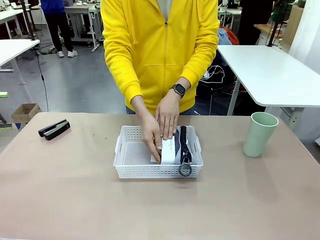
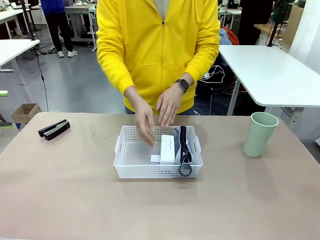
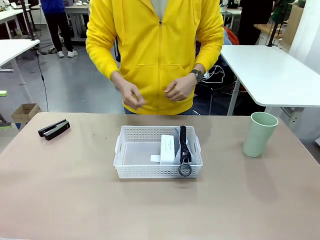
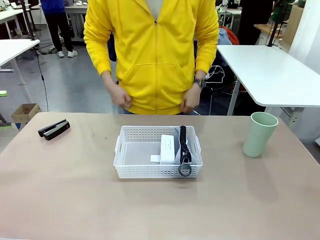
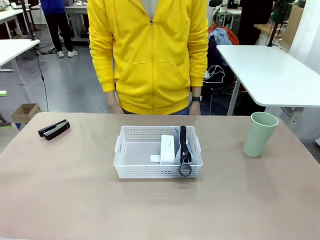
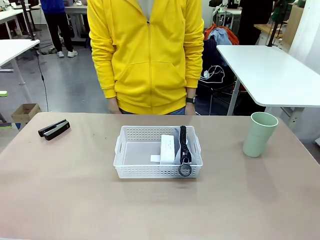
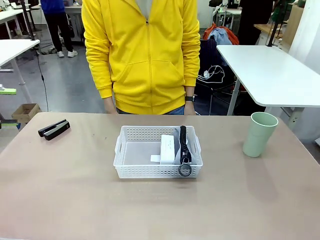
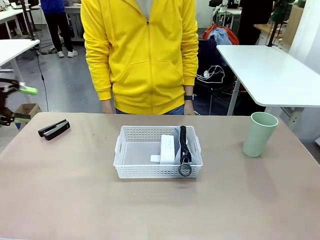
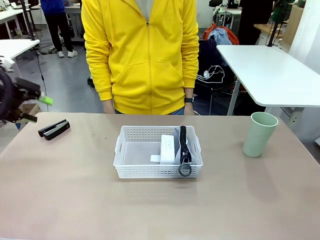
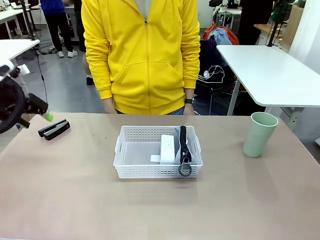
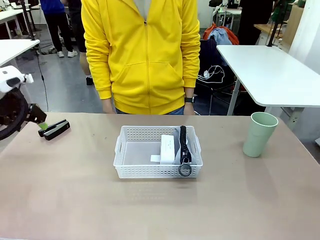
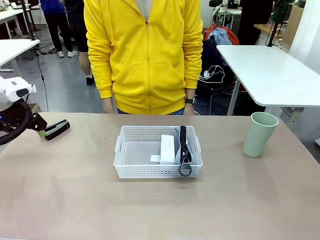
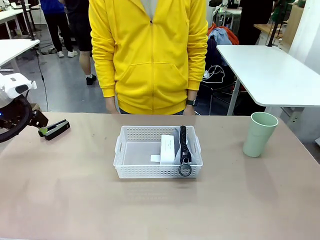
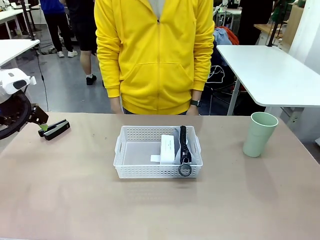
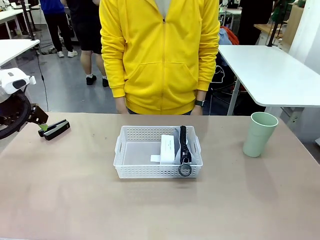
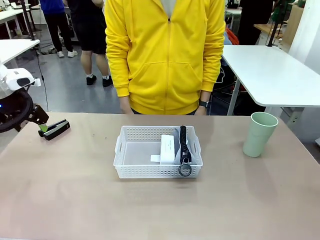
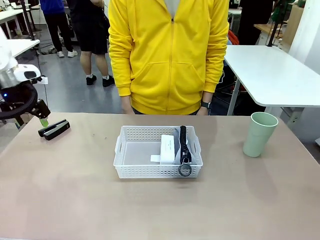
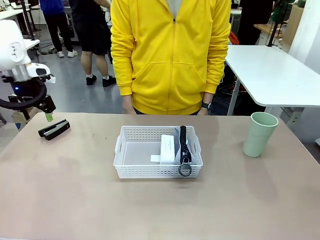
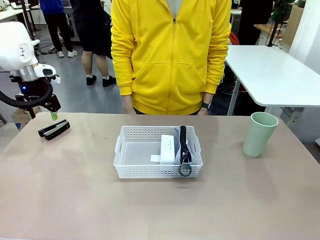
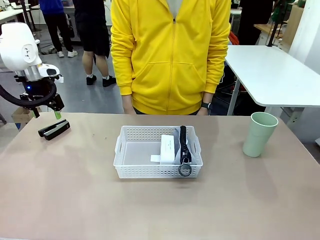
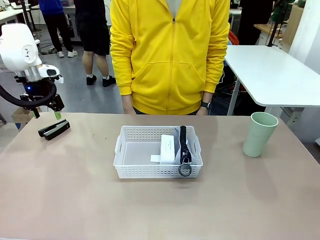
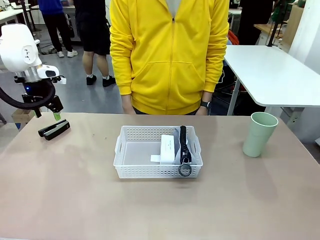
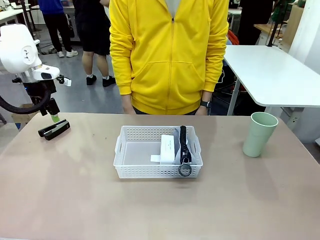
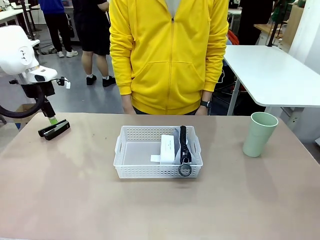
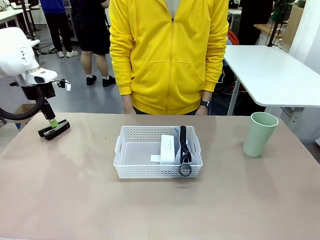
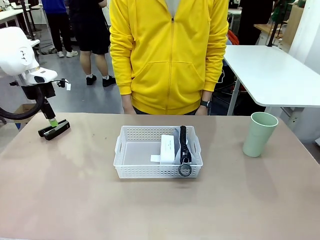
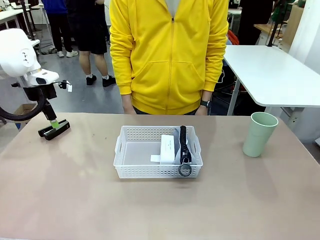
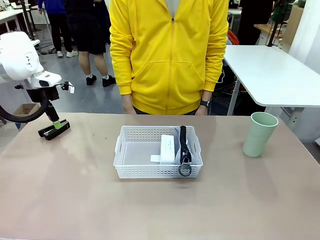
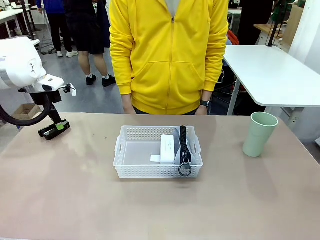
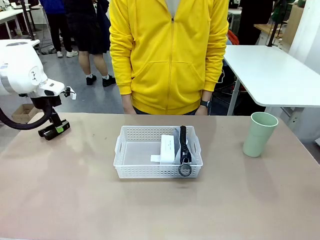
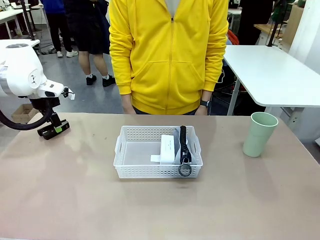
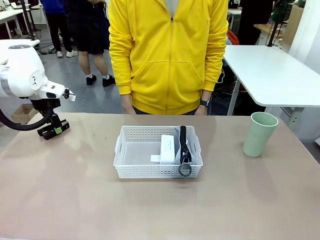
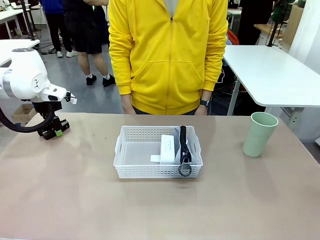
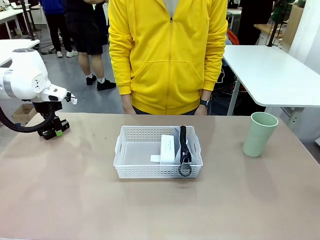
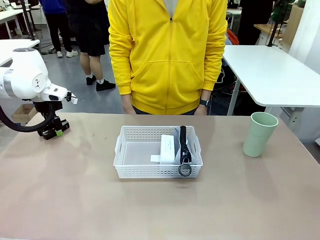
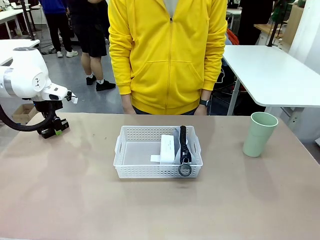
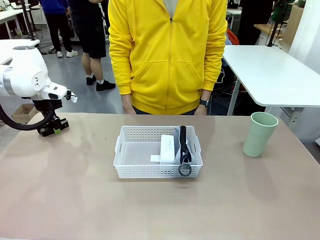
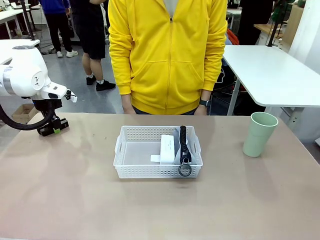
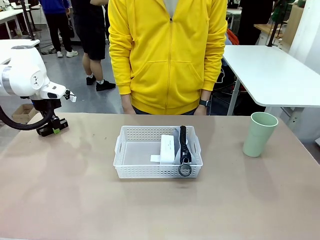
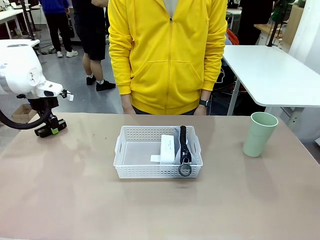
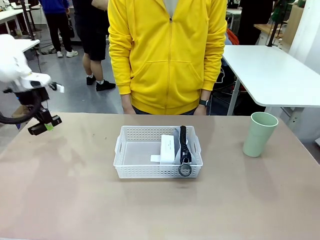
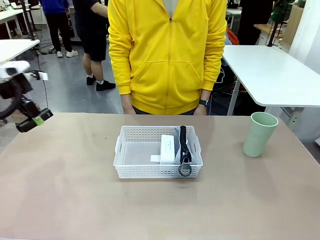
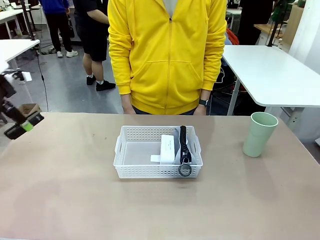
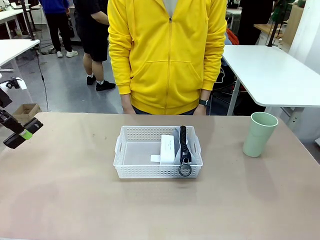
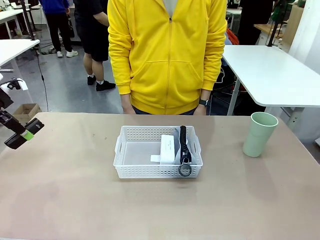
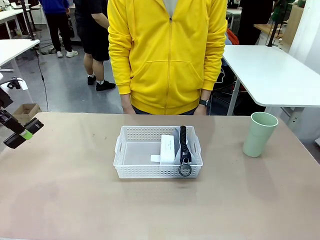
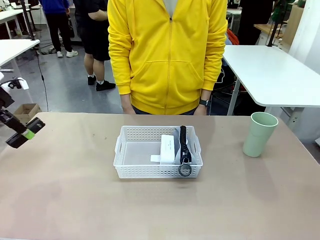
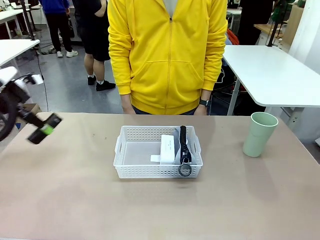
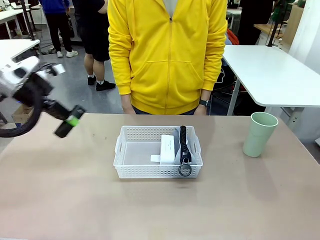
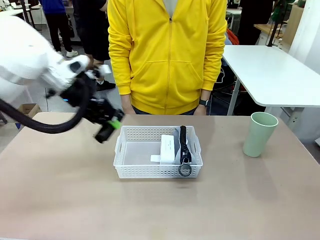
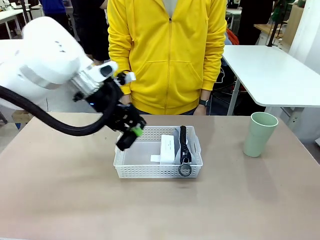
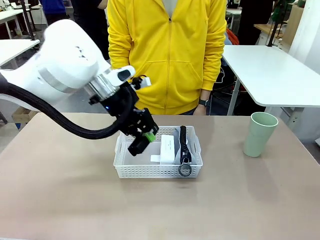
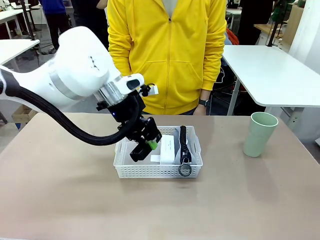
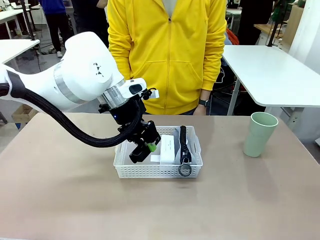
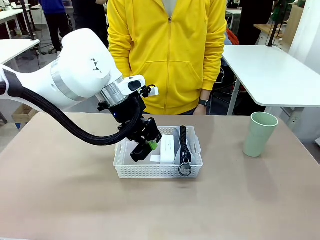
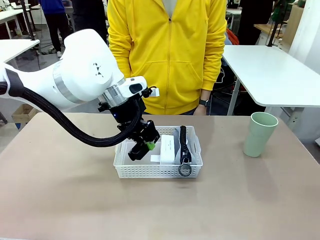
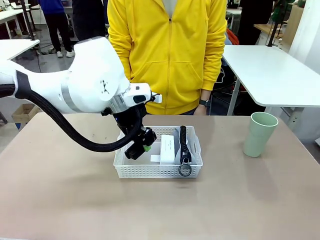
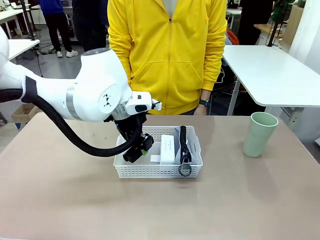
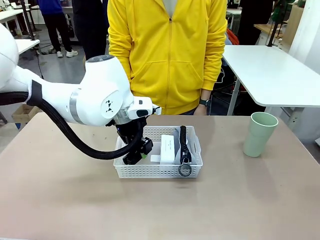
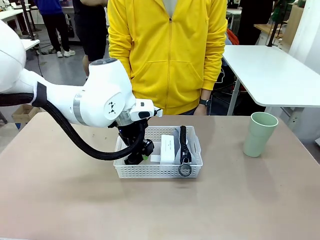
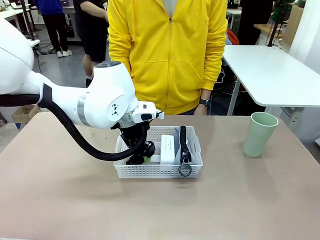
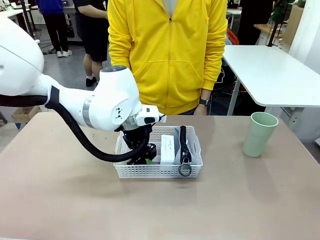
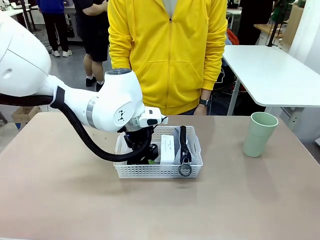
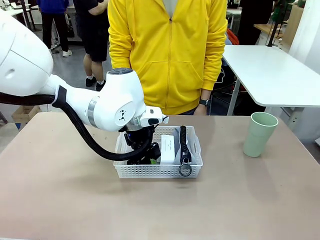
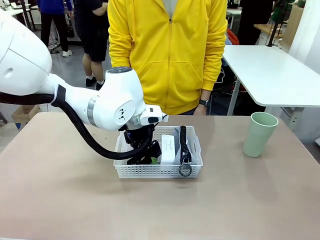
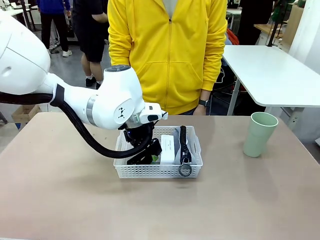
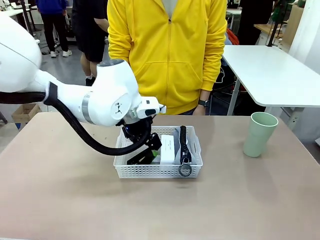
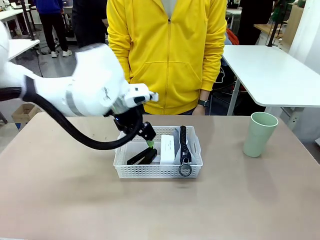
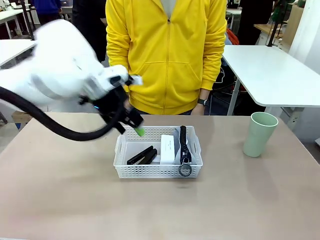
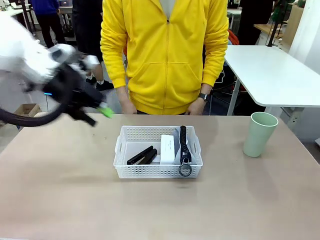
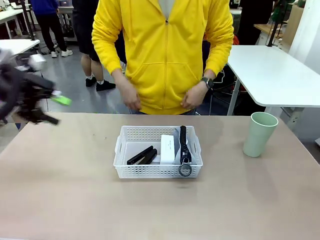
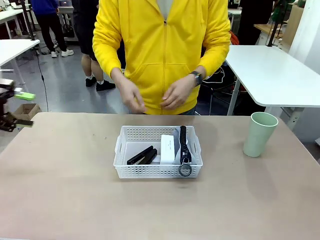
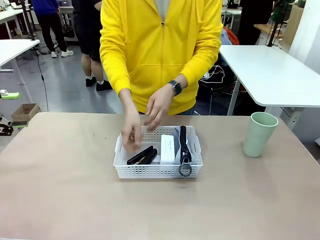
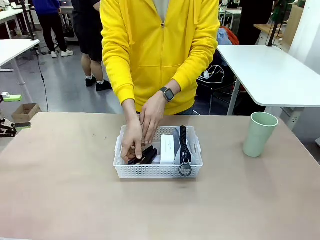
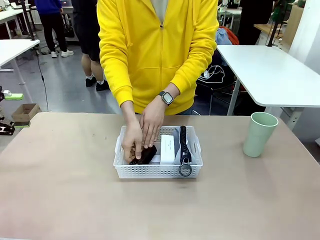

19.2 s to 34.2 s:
Task: Efficiently arrange items inside the basket to fit them all.
Robot: Pick up the Stapler and place it inside the Organizing basket.
